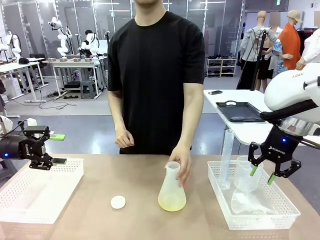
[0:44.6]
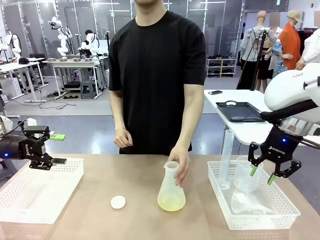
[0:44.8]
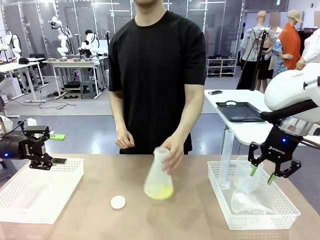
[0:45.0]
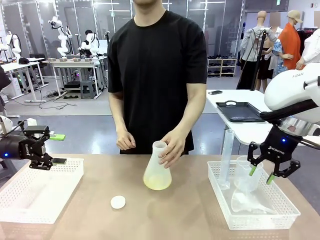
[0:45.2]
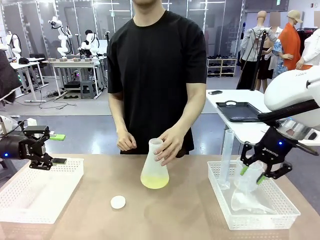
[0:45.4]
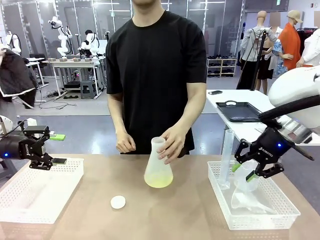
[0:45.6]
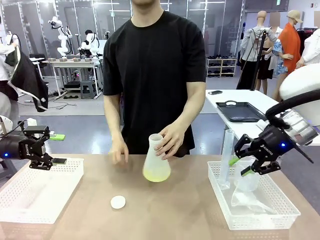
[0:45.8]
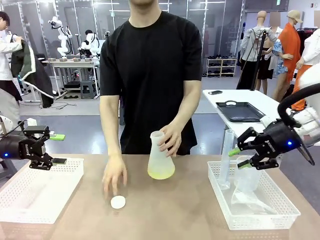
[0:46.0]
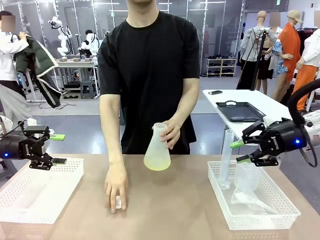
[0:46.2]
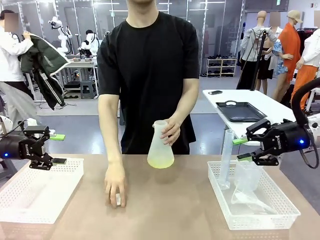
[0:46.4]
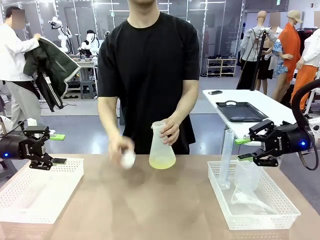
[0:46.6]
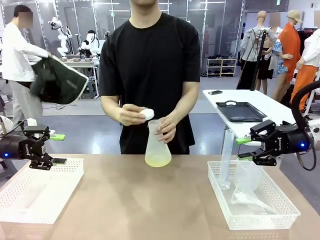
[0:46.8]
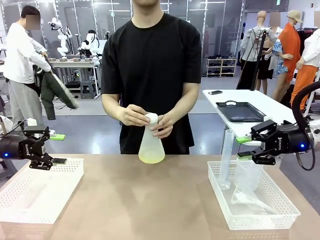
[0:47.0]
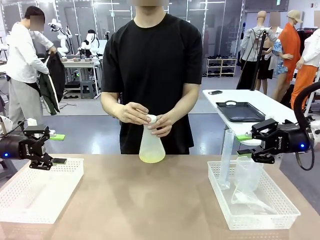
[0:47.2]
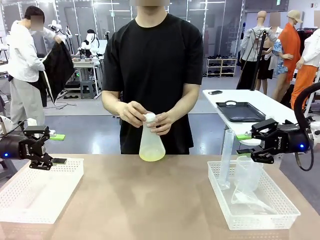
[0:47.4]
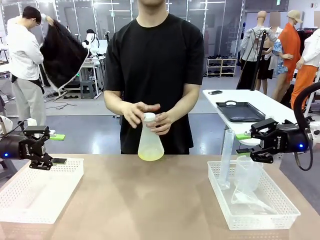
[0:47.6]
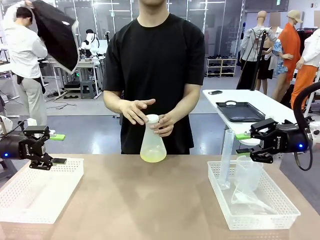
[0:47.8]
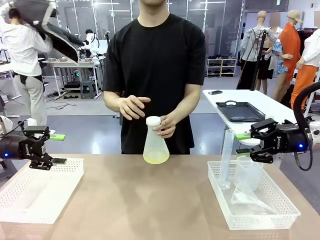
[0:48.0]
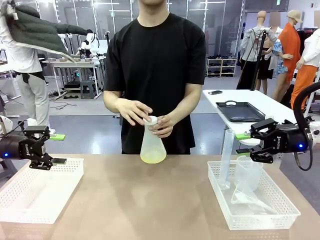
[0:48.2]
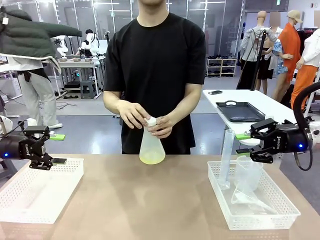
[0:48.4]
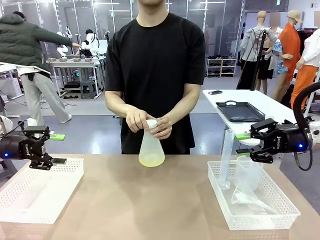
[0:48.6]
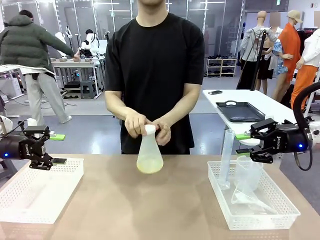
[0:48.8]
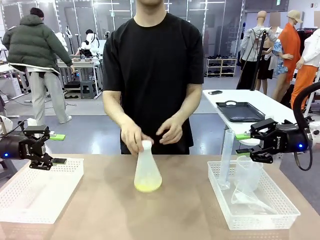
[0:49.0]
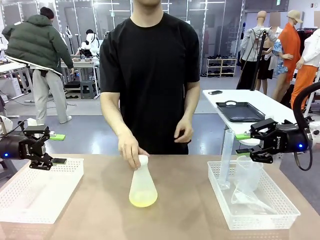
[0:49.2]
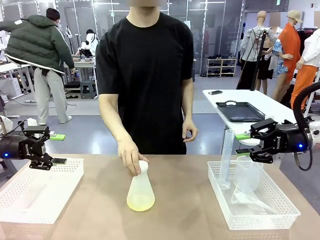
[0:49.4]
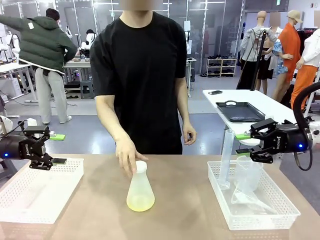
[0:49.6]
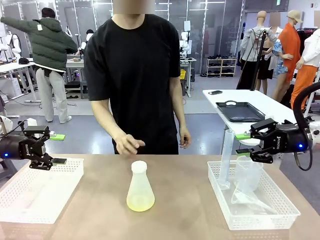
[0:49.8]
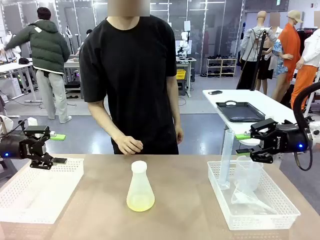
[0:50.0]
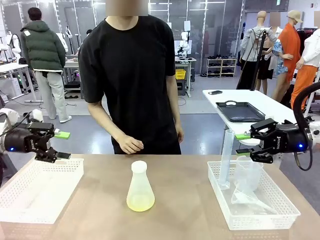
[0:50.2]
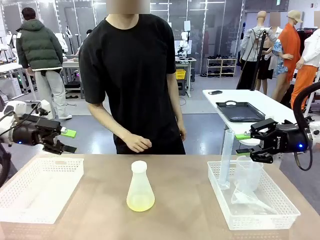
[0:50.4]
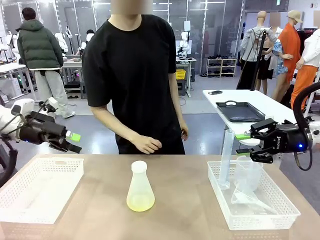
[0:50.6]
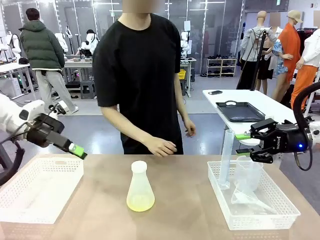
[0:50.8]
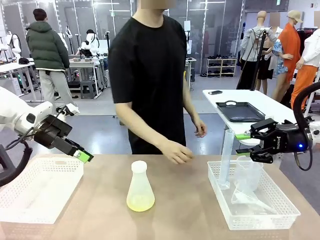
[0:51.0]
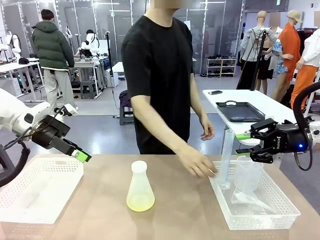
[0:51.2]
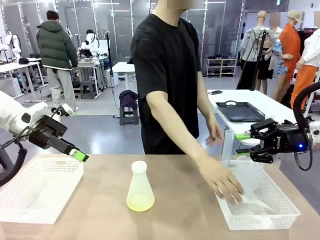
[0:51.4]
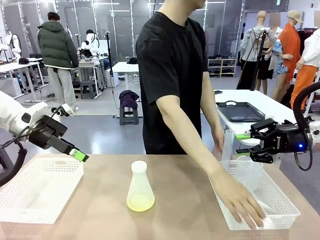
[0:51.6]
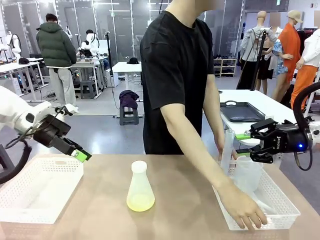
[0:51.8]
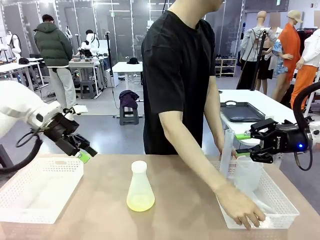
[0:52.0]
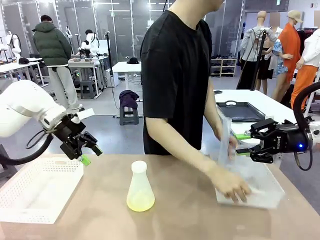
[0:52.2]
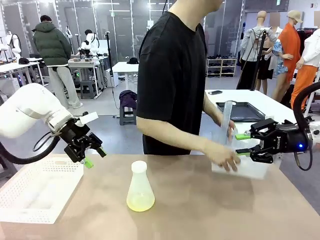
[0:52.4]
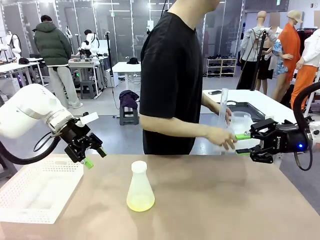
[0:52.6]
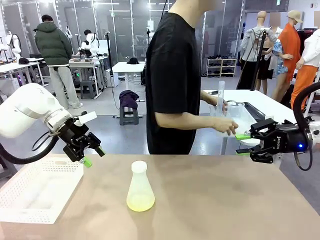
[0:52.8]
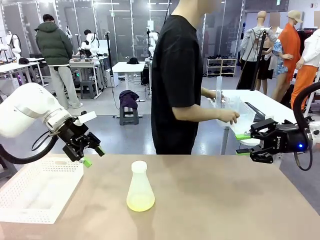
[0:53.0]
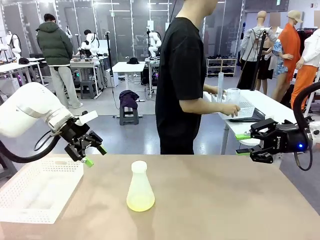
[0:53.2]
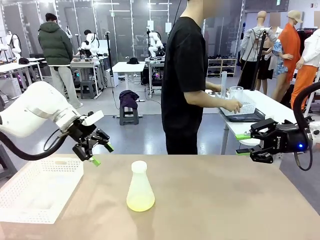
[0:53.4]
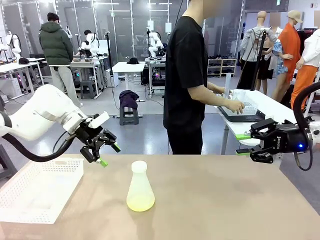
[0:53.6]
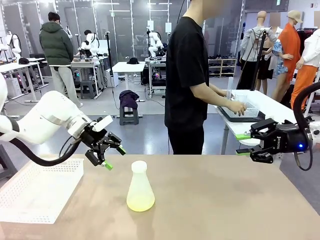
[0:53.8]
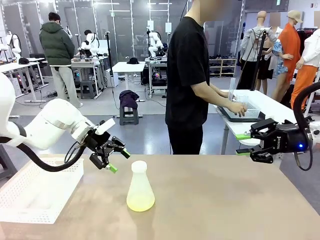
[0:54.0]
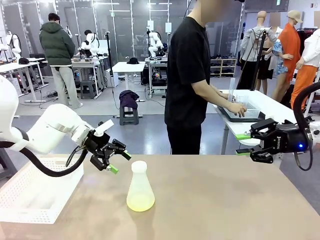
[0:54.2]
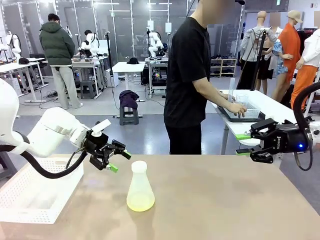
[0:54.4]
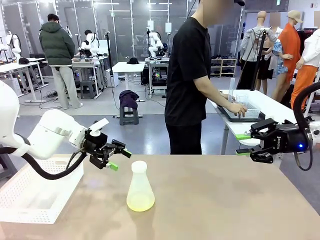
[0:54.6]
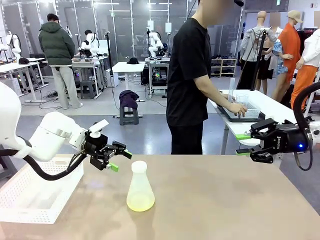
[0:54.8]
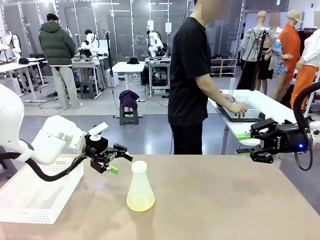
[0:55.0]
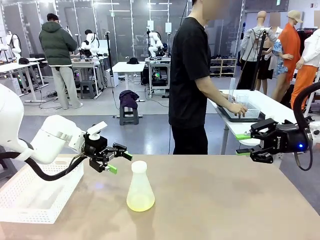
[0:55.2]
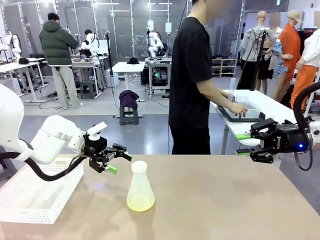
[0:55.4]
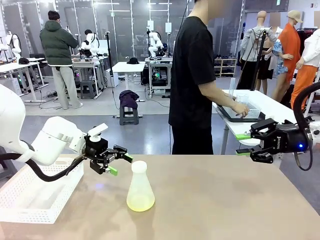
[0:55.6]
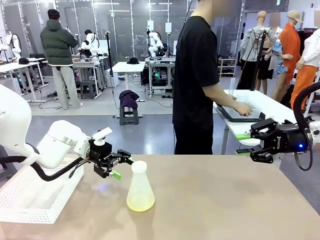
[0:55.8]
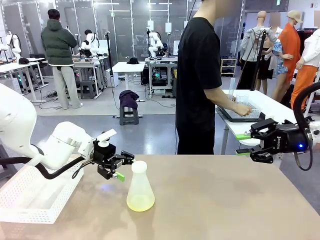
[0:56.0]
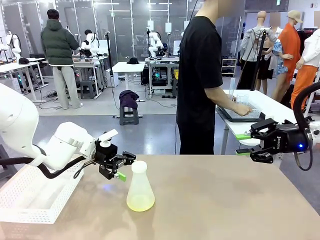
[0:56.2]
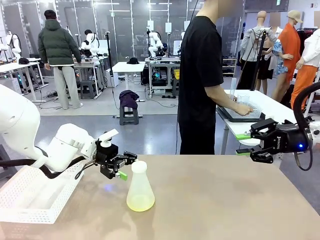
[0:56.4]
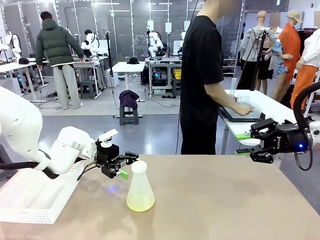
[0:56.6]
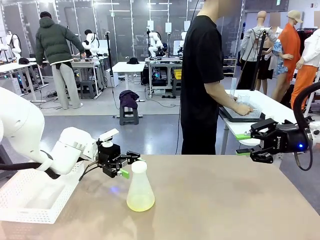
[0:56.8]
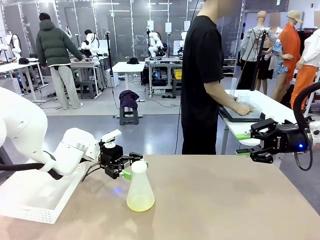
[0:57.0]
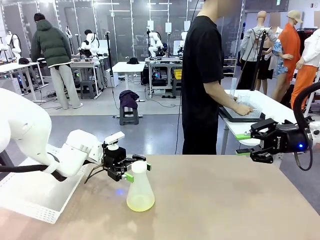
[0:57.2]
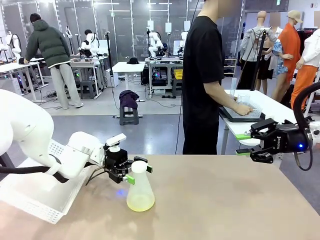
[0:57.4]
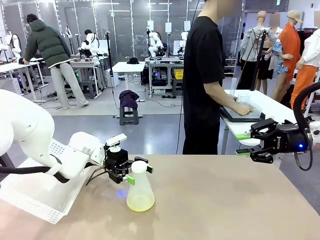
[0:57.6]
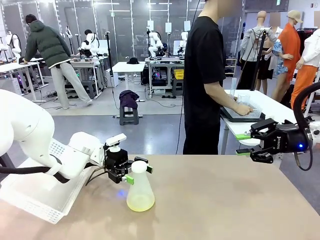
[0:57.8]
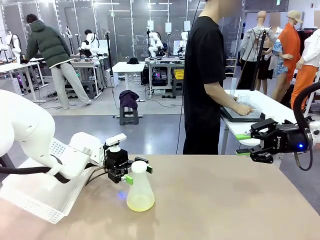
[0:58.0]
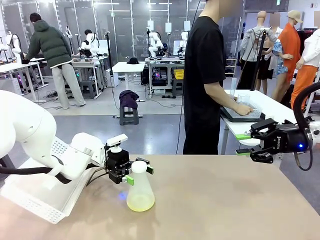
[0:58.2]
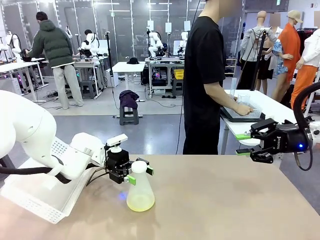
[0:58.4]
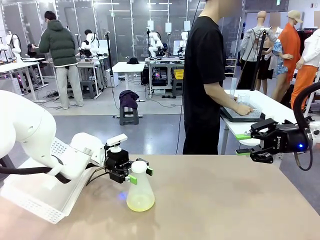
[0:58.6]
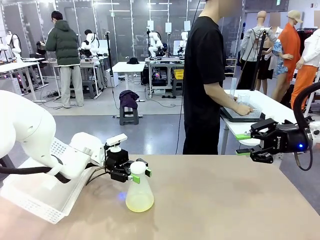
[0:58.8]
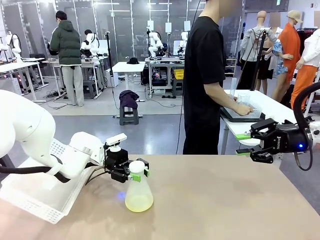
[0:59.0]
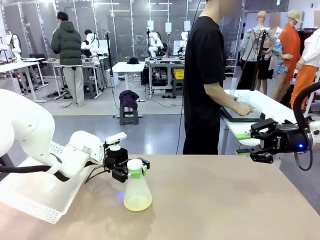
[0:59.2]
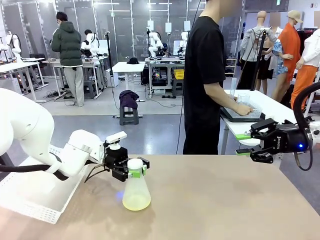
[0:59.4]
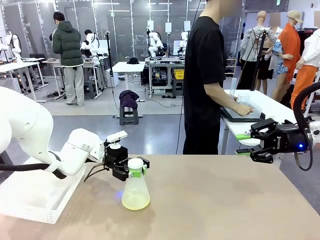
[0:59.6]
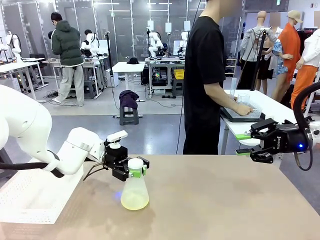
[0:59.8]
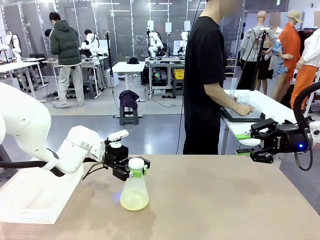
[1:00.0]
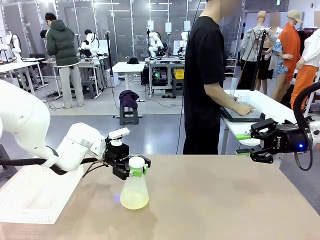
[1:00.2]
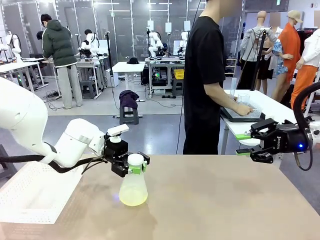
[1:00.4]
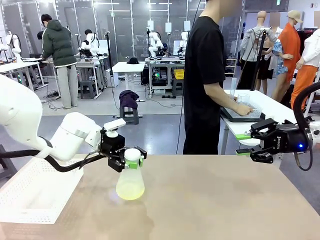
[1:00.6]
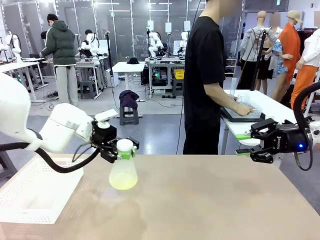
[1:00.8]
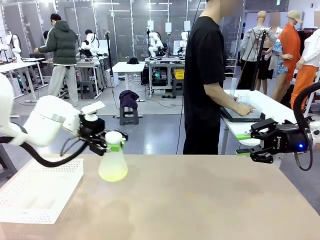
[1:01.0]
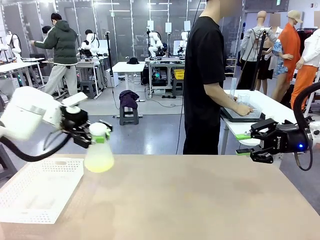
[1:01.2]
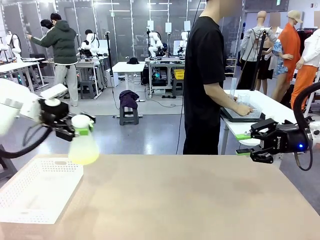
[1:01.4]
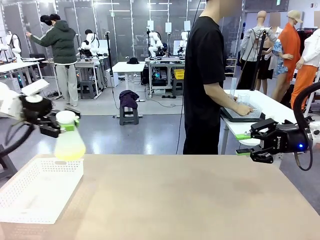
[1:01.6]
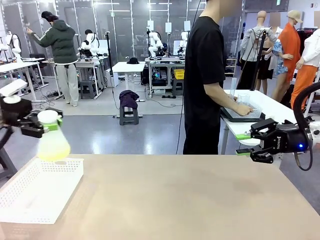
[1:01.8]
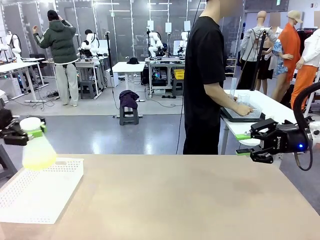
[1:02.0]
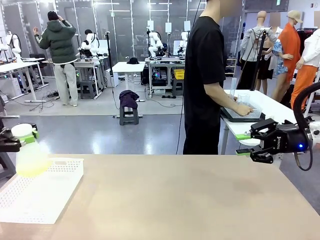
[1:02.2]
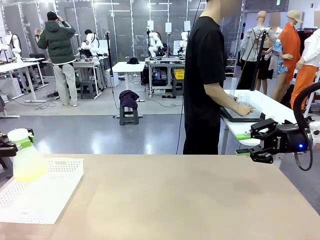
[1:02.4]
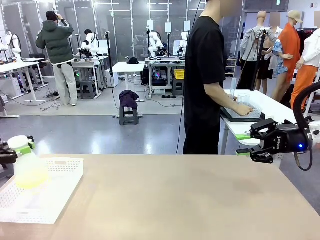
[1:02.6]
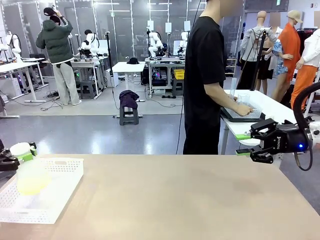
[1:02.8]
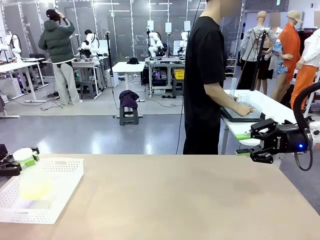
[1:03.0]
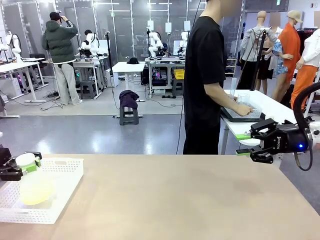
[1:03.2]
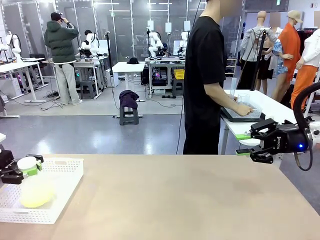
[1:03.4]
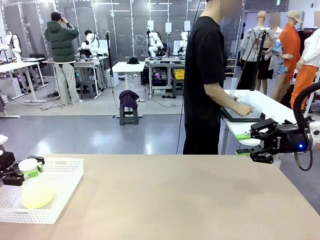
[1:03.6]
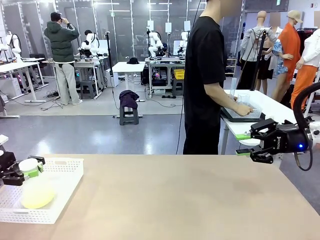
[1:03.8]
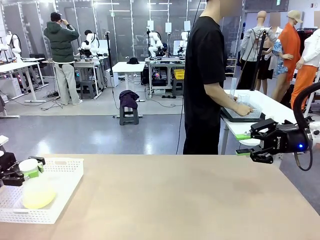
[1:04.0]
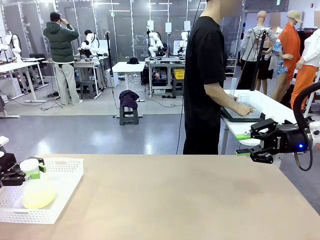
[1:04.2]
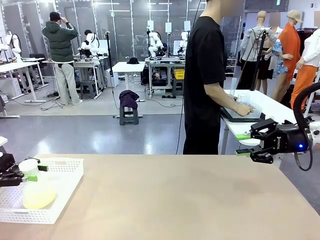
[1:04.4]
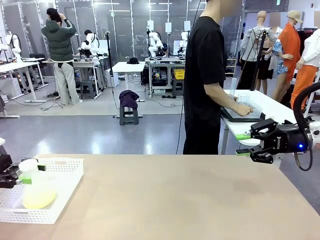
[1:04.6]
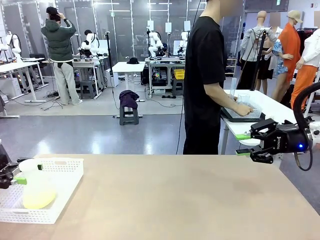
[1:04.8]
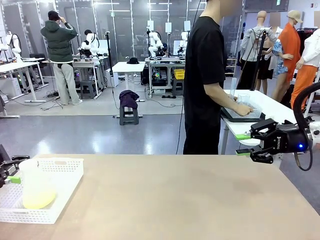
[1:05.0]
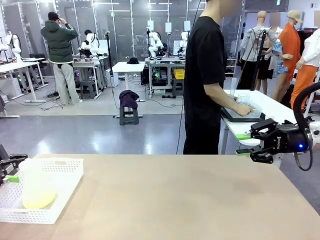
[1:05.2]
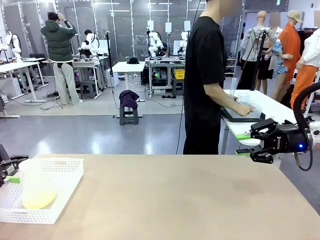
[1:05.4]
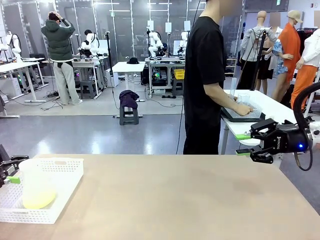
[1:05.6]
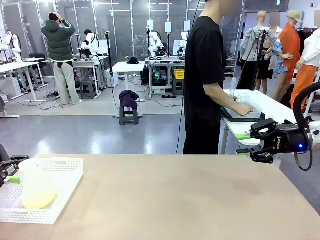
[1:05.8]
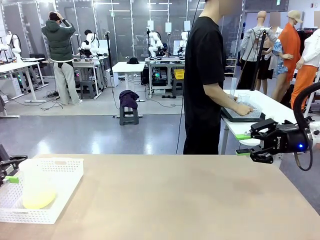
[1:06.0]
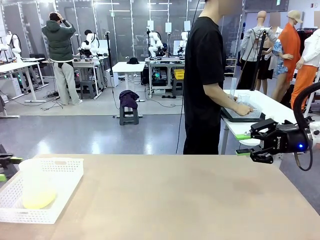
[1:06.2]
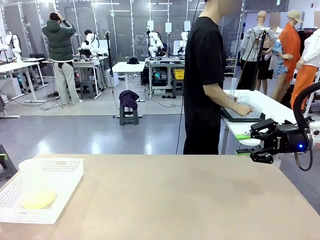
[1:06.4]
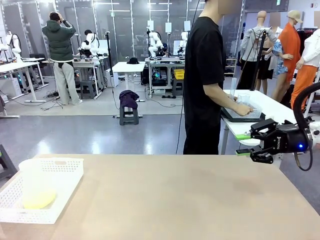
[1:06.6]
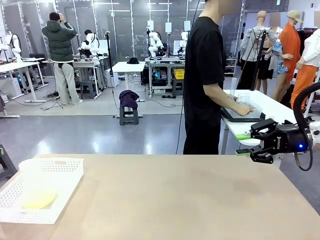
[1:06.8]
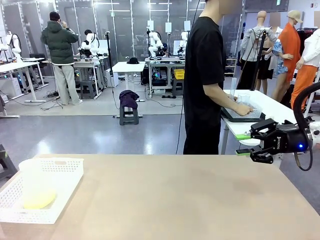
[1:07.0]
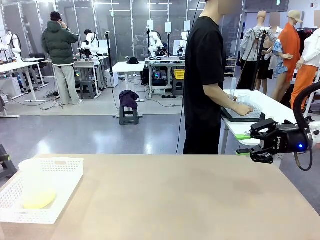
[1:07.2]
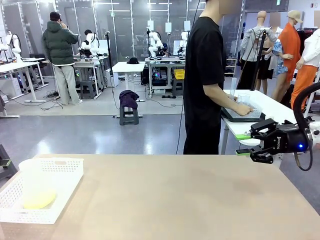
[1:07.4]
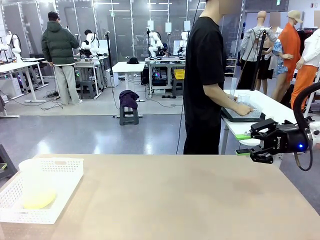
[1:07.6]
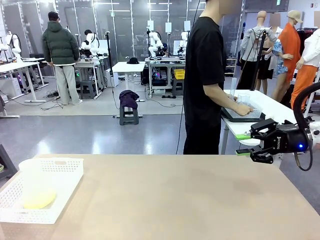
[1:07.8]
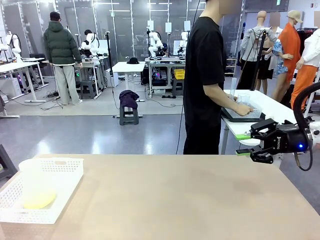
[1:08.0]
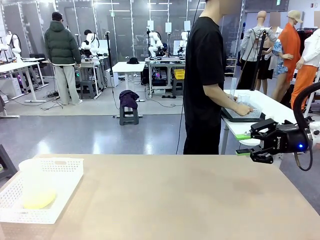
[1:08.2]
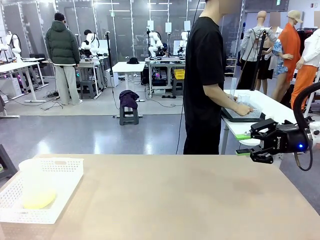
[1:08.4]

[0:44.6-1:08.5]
Task: Prepare the solutions needed for the experiment.
Robot: When the human places the Big flask in the center of the table, pick up the Big flask and place it in the left Organizing basket.
Person: Pick up the organizing basket on the left side of the robot table and place it on the left side of the human table.
